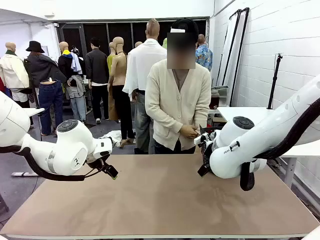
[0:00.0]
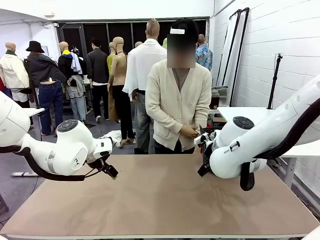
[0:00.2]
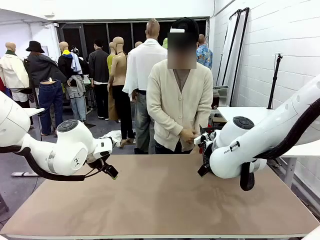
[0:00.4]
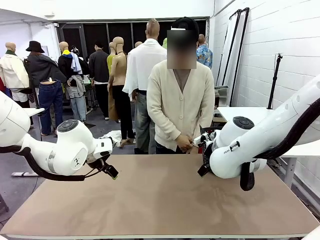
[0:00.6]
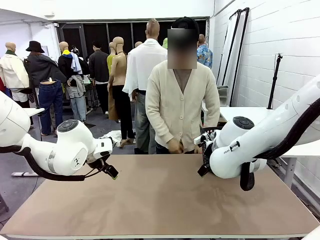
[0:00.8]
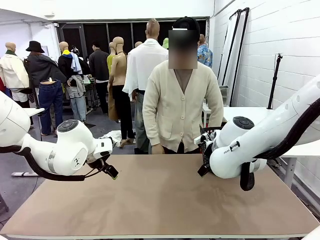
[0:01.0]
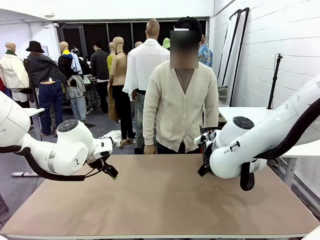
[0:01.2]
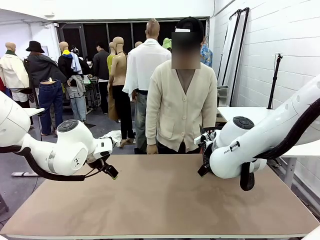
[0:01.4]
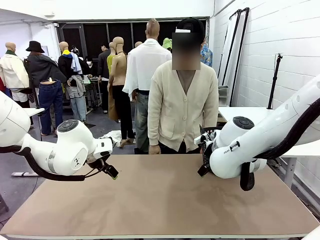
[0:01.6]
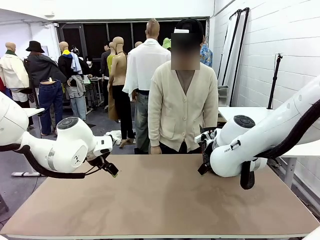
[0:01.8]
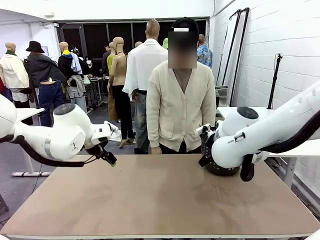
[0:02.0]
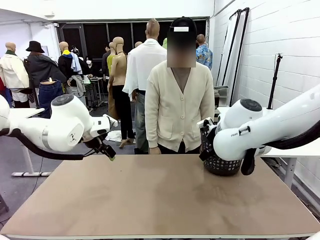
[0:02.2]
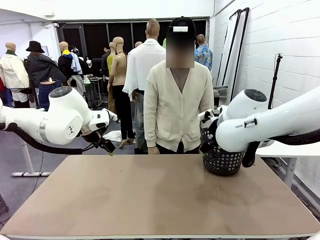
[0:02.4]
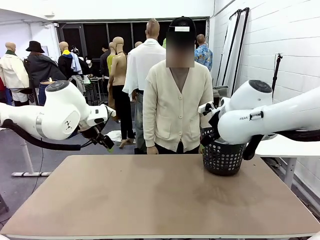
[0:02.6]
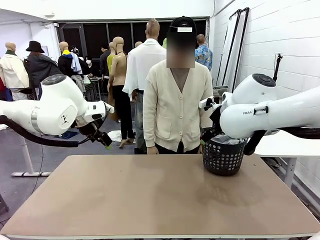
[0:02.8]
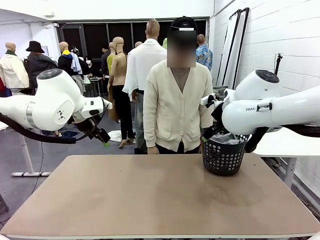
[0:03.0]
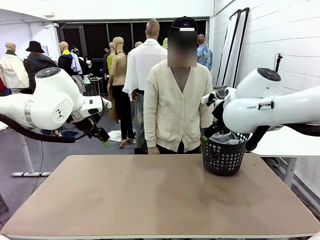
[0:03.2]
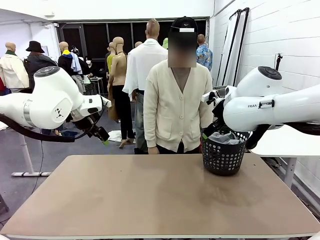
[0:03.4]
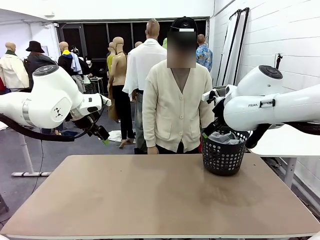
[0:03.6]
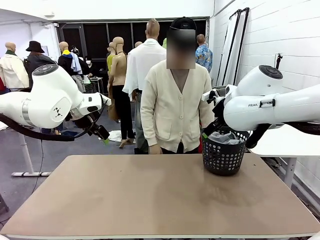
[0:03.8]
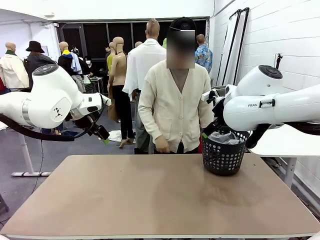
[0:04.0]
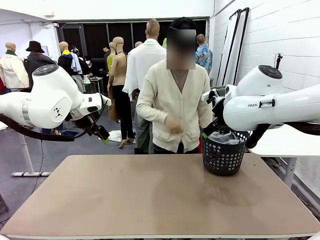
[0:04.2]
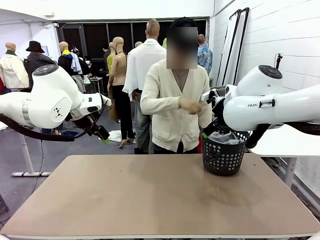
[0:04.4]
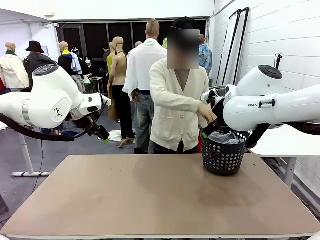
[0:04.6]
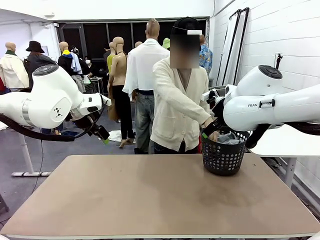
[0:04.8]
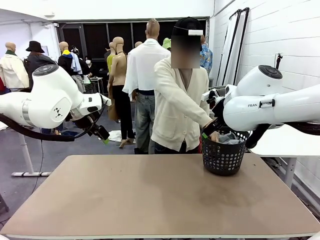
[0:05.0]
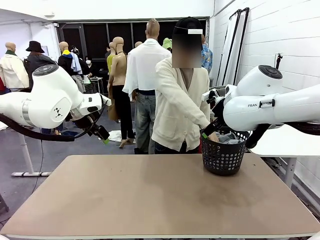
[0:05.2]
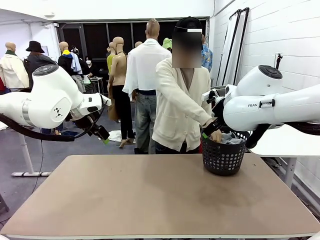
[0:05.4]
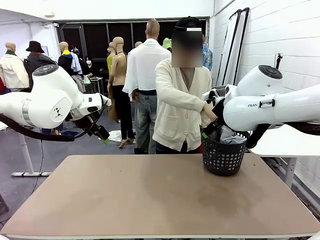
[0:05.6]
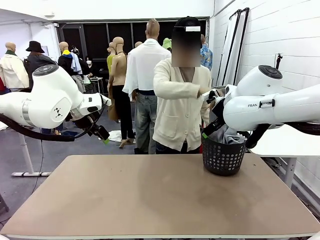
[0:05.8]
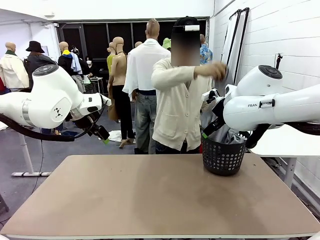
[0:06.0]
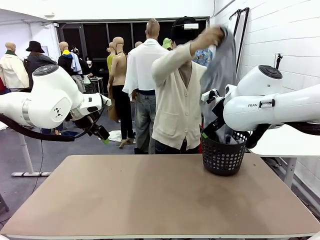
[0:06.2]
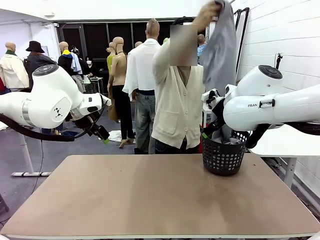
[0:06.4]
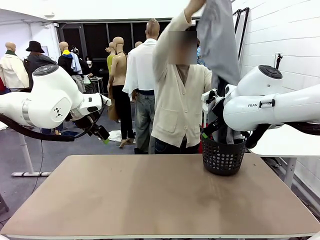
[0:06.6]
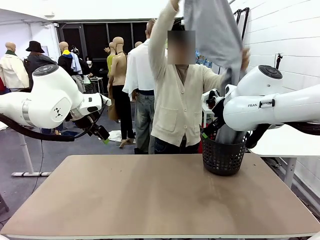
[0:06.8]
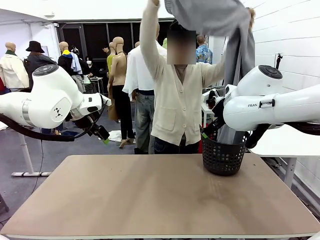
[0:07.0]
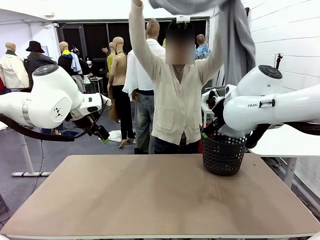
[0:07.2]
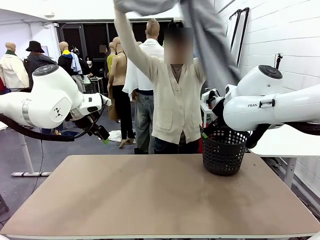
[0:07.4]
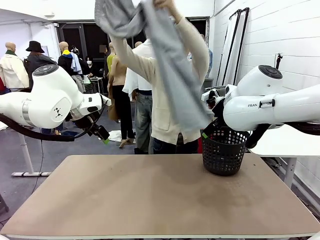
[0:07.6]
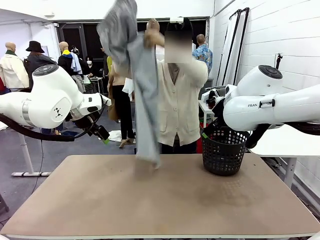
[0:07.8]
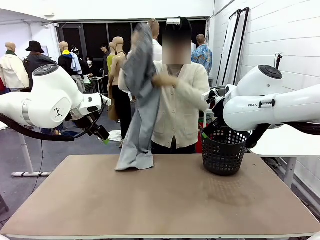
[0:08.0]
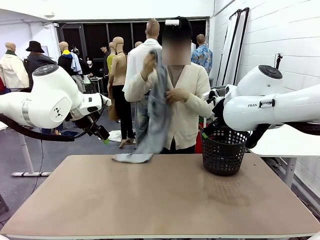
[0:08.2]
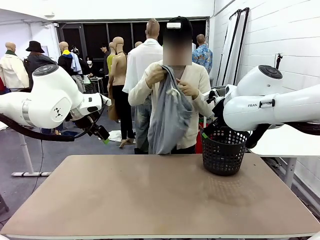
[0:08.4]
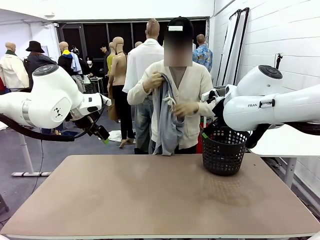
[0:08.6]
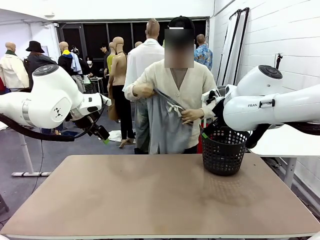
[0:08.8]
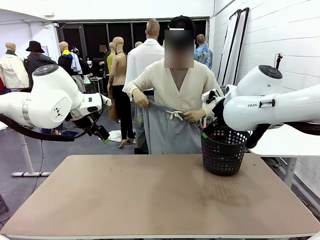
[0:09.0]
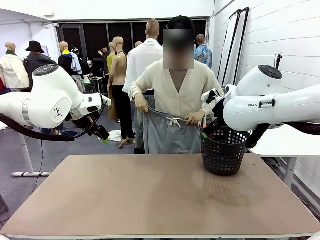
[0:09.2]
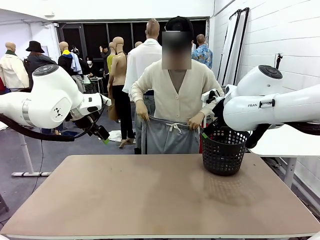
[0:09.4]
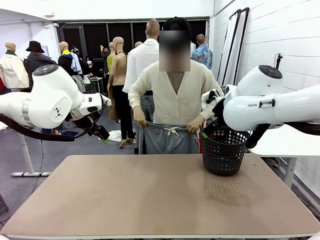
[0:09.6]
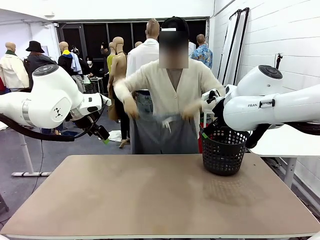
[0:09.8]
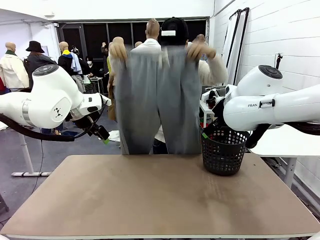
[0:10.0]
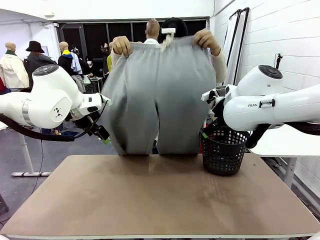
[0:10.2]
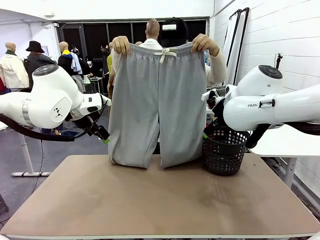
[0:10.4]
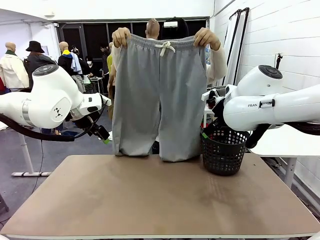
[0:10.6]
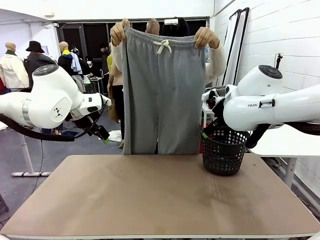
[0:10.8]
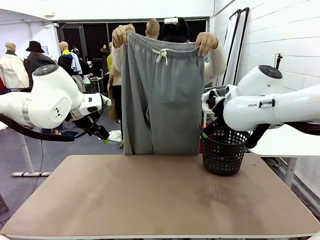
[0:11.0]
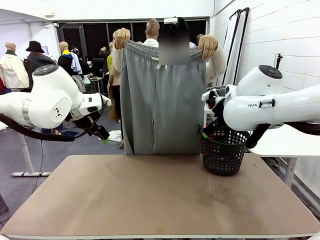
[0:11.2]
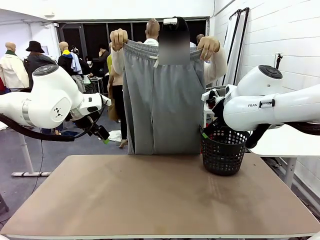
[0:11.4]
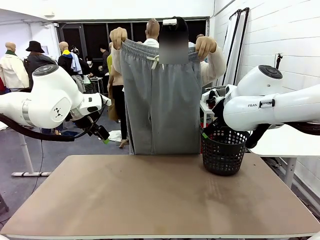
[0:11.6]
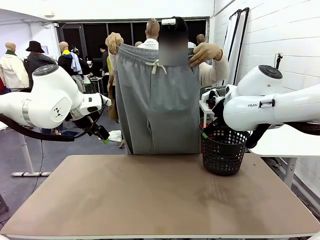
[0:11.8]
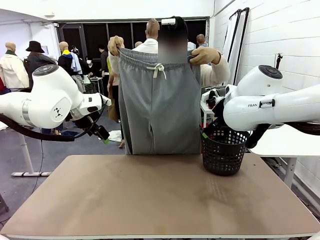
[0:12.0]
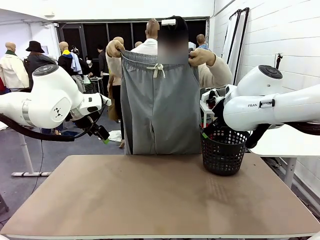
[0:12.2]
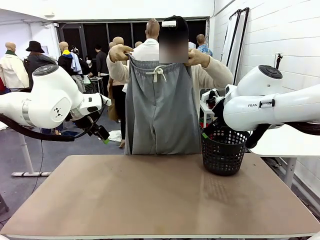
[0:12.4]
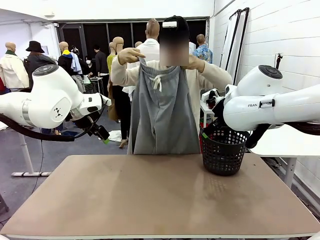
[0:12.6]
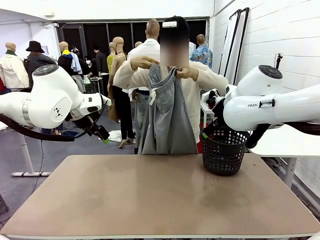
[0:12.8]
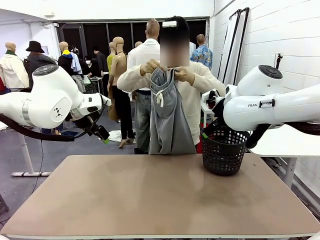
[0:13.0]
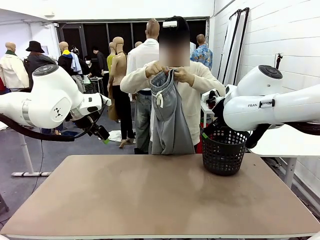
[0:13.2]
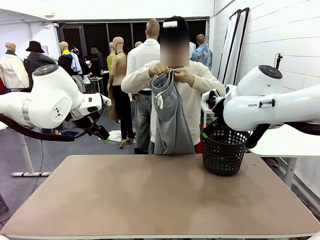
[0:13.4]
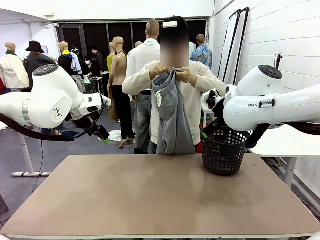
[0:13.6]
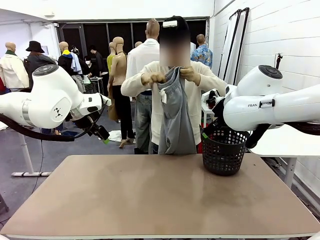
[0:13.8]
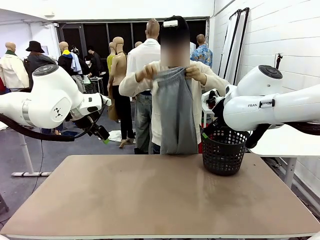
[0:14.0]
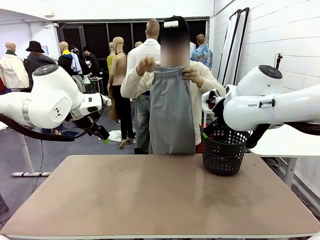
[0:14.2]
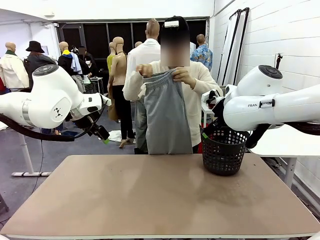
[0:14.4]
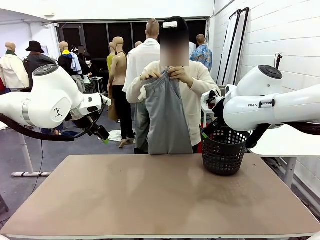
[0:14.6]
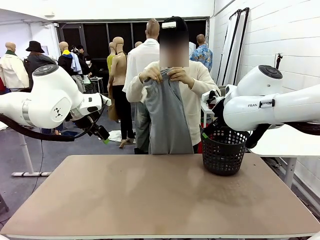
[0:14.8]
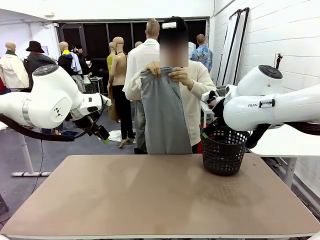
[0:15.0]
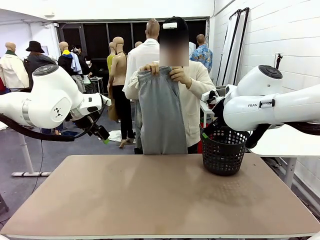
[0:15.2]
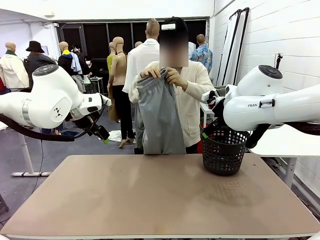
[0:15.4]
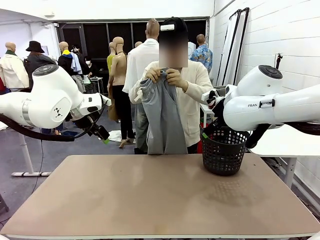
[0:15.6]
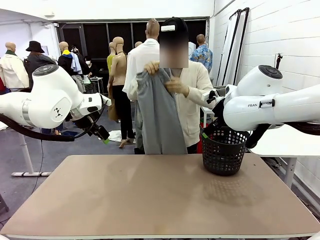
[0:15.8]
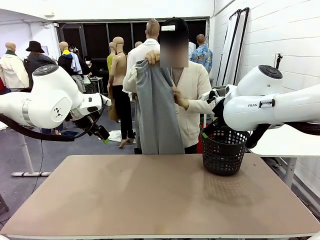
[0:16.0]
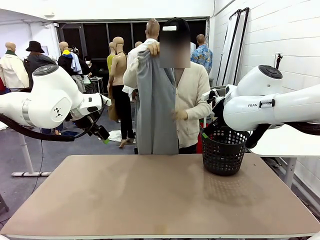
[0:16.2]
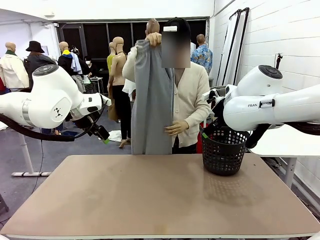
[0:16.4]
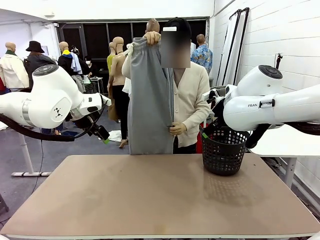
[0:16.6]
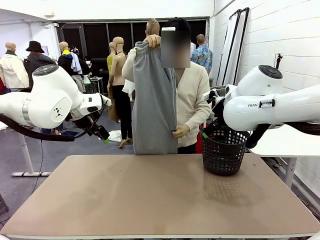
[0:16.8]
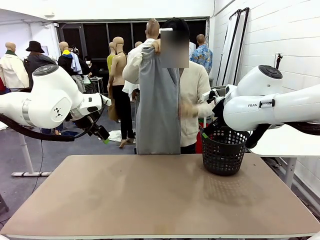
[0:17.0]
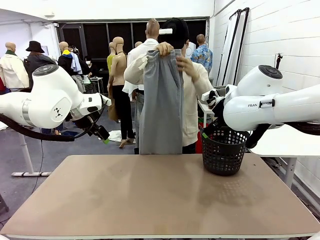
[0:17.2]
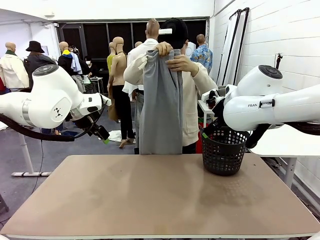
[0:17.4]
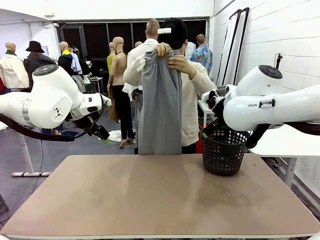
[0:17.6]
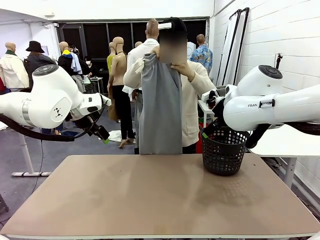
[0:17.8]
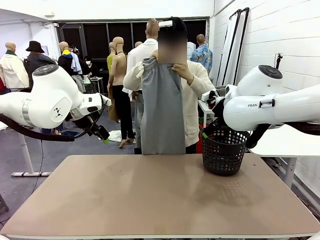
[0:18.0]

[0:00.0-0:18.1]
Task: Fold the training pants.
Robot: Grab both ends of the Training pants handed by a person.
Person: Take the long pants out of the laundry basket, unfold them, fold the waist in half, and extend them so the robot can pick up both corners.
